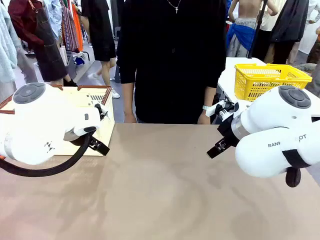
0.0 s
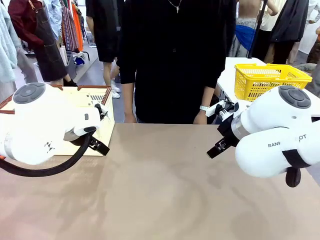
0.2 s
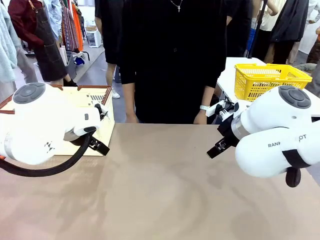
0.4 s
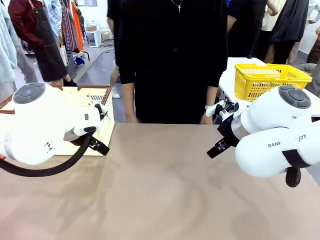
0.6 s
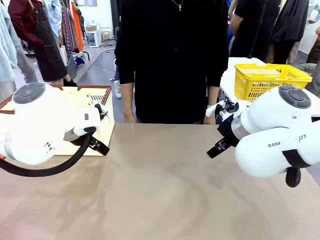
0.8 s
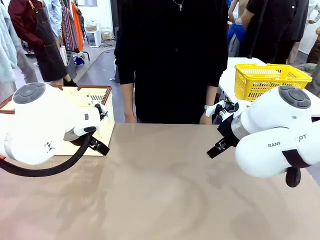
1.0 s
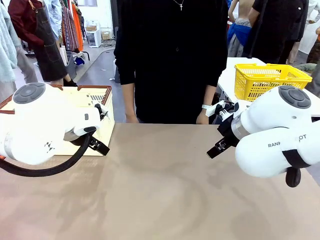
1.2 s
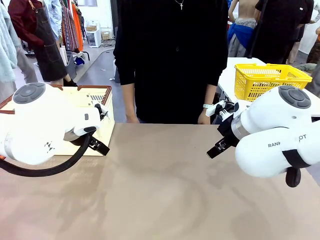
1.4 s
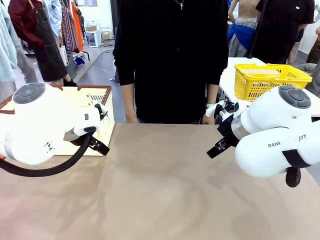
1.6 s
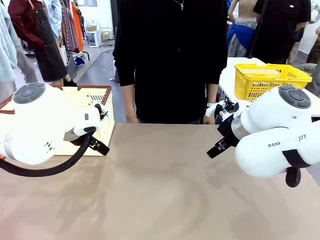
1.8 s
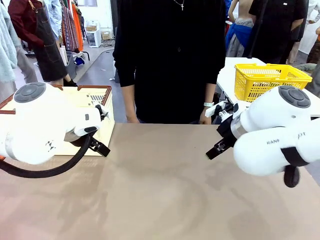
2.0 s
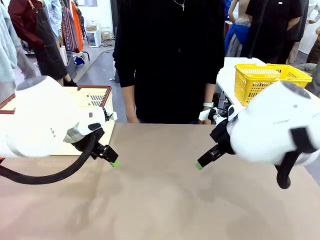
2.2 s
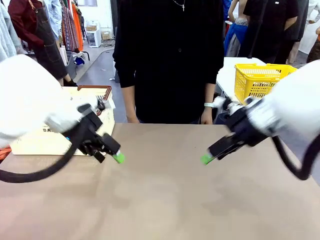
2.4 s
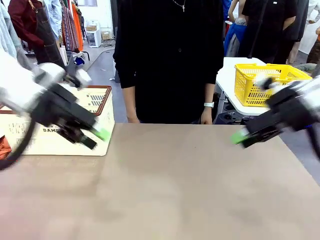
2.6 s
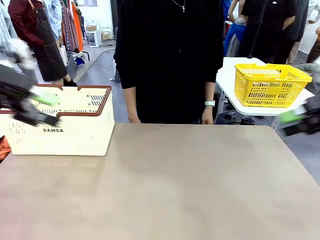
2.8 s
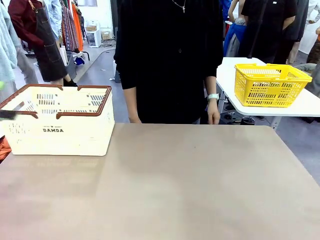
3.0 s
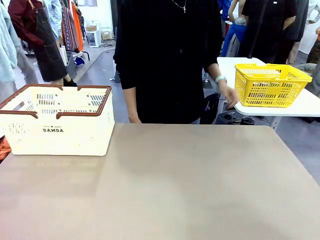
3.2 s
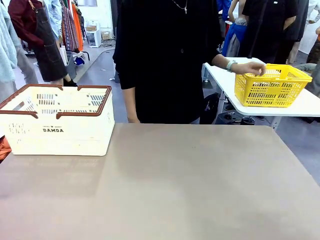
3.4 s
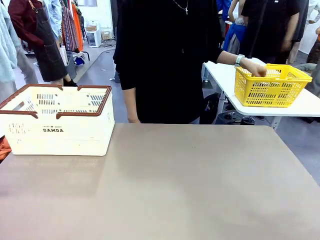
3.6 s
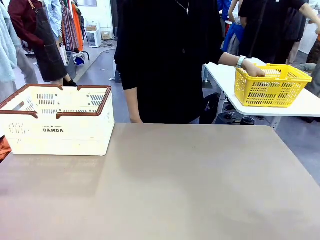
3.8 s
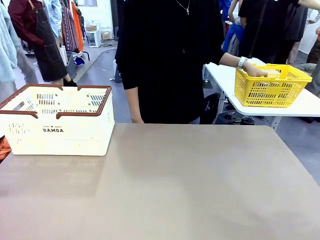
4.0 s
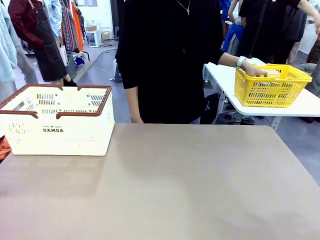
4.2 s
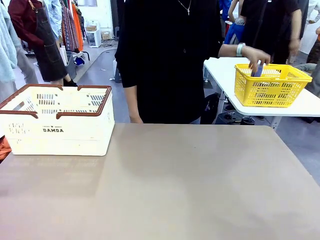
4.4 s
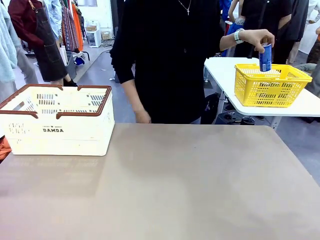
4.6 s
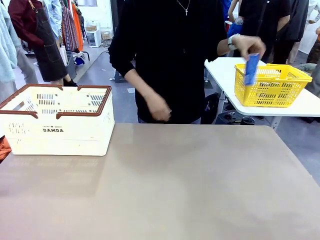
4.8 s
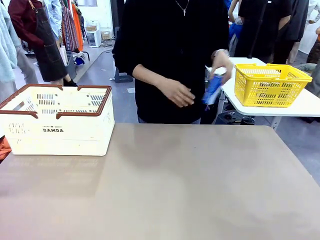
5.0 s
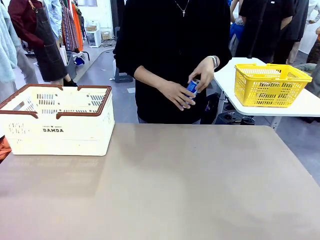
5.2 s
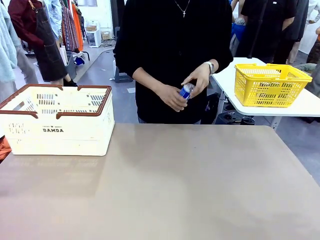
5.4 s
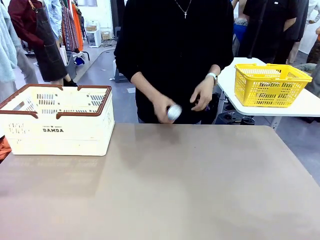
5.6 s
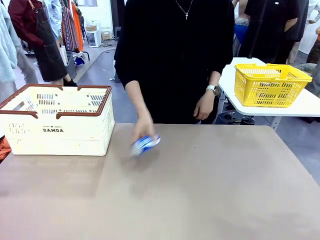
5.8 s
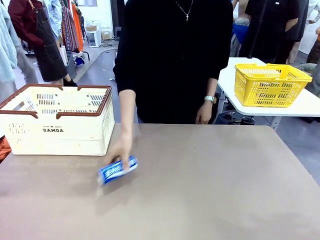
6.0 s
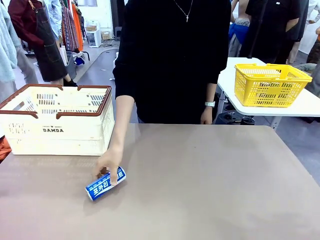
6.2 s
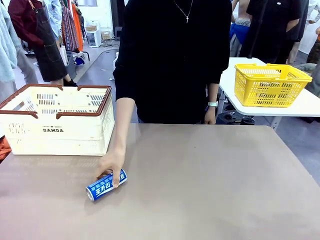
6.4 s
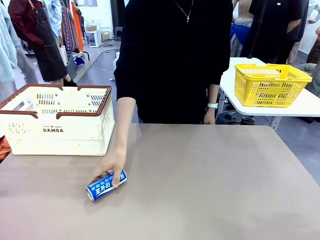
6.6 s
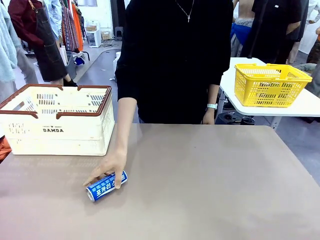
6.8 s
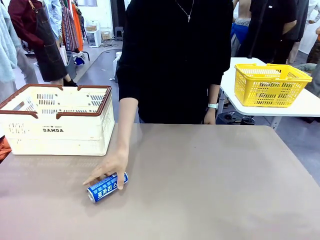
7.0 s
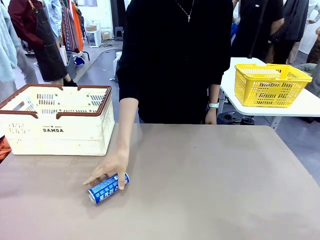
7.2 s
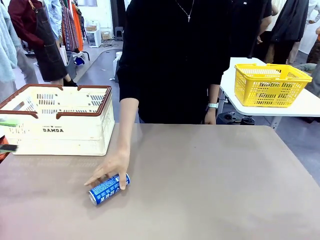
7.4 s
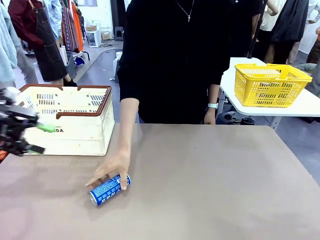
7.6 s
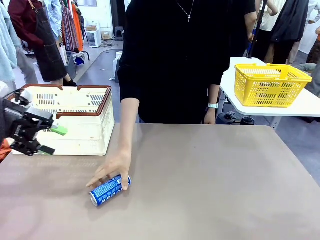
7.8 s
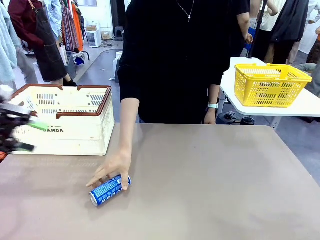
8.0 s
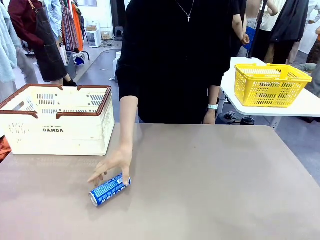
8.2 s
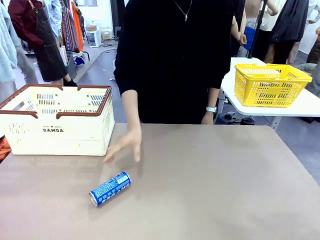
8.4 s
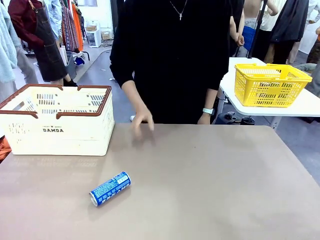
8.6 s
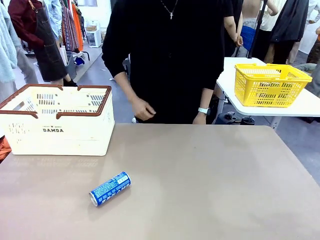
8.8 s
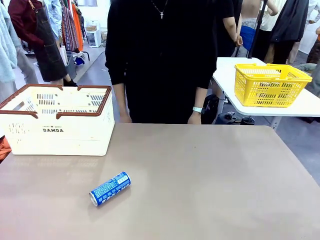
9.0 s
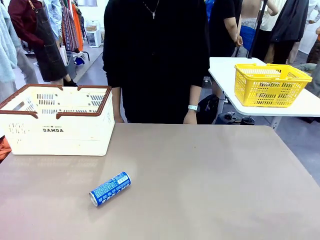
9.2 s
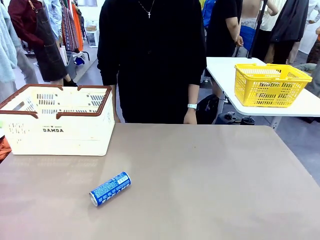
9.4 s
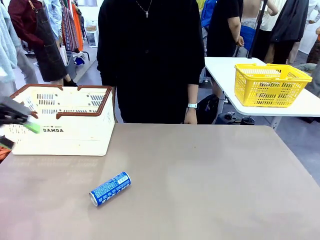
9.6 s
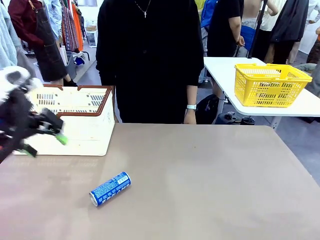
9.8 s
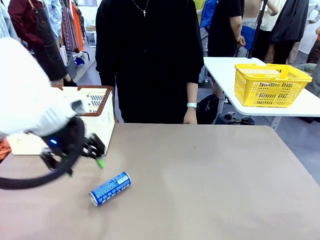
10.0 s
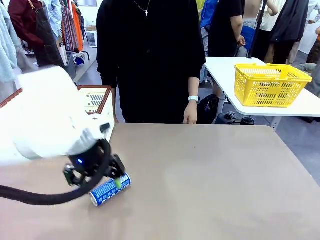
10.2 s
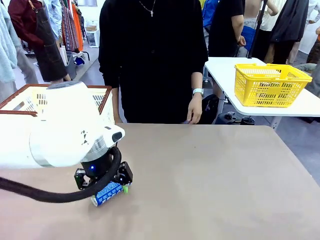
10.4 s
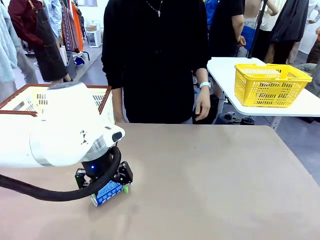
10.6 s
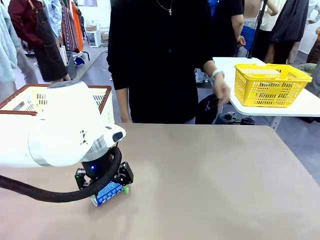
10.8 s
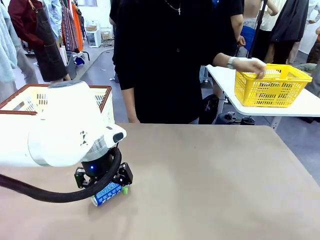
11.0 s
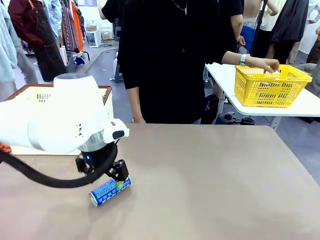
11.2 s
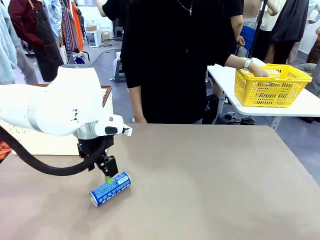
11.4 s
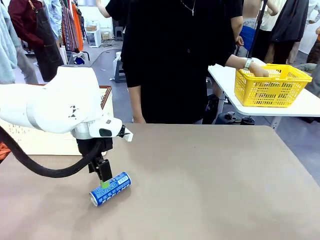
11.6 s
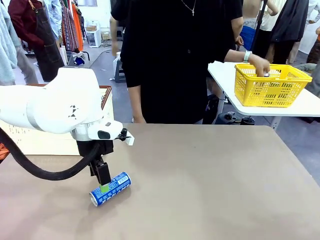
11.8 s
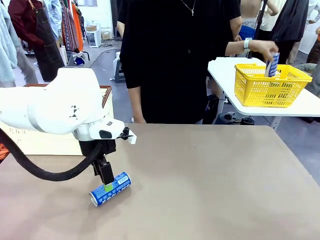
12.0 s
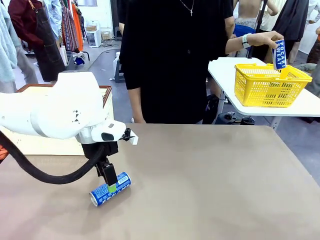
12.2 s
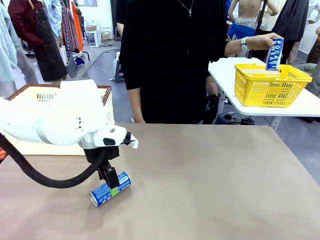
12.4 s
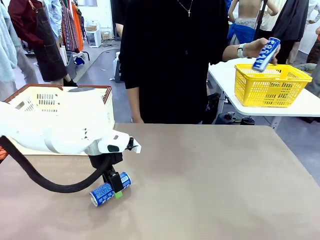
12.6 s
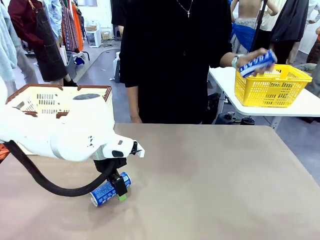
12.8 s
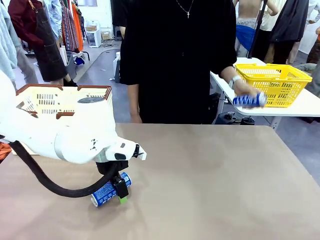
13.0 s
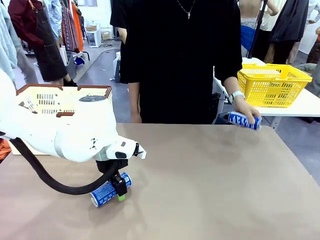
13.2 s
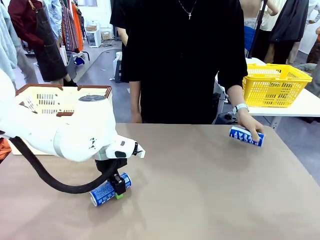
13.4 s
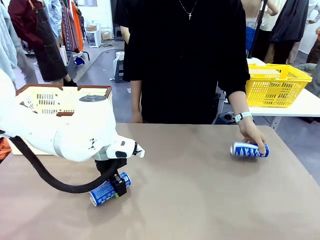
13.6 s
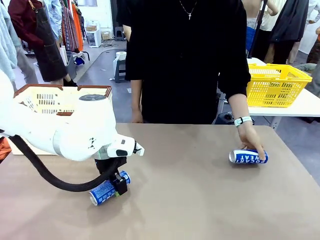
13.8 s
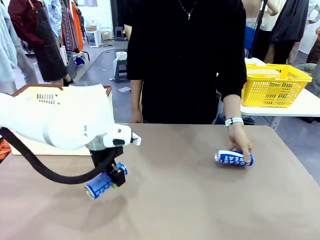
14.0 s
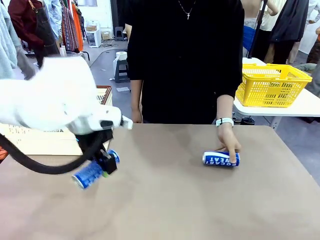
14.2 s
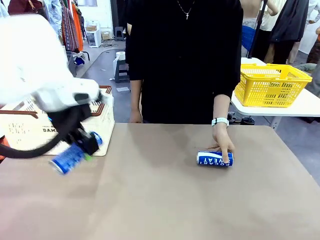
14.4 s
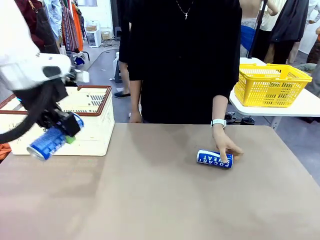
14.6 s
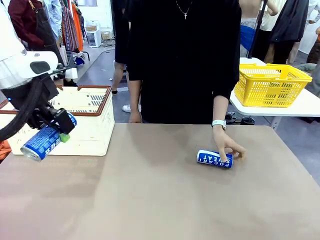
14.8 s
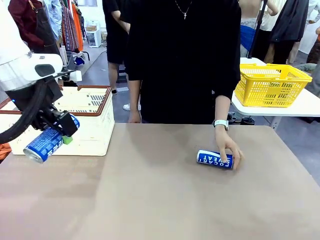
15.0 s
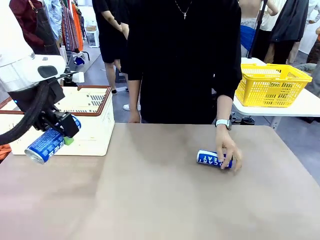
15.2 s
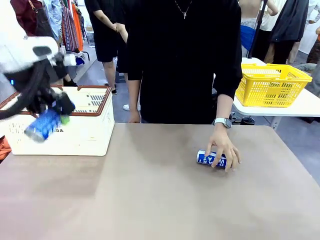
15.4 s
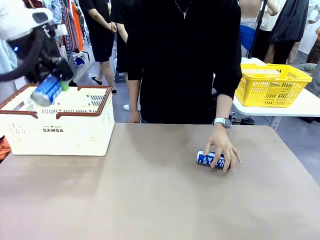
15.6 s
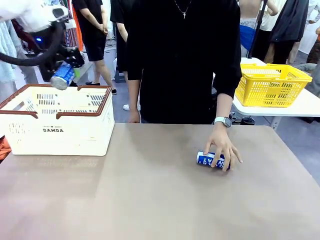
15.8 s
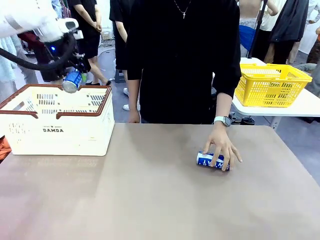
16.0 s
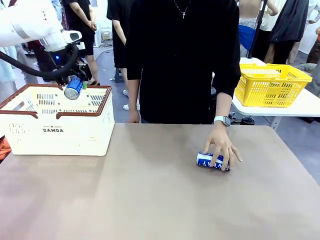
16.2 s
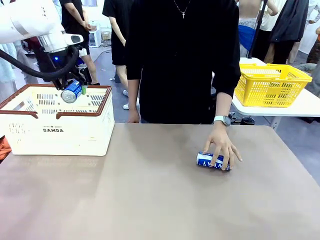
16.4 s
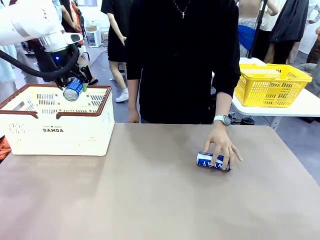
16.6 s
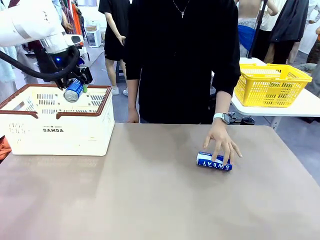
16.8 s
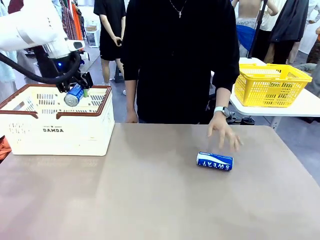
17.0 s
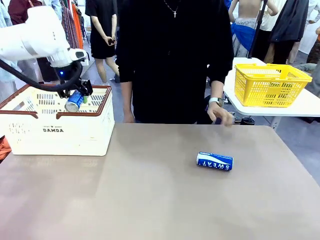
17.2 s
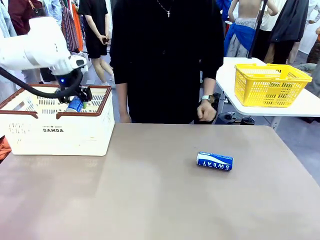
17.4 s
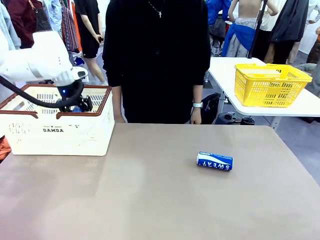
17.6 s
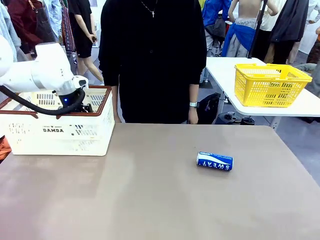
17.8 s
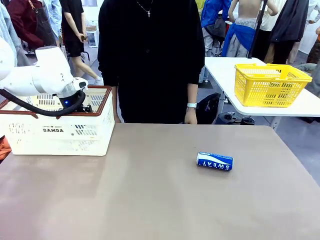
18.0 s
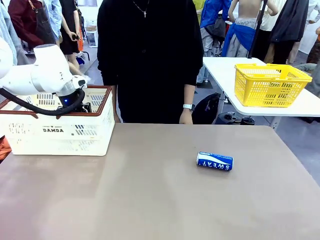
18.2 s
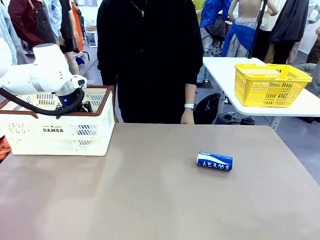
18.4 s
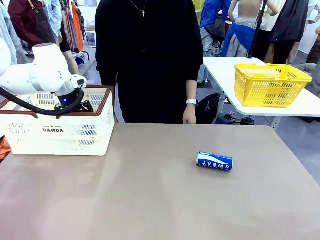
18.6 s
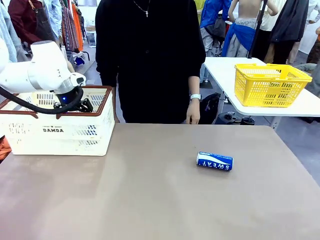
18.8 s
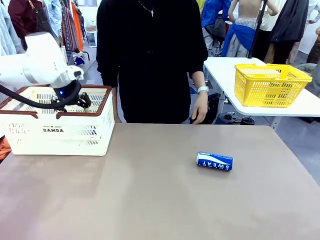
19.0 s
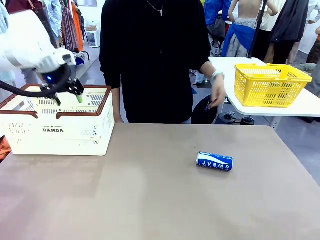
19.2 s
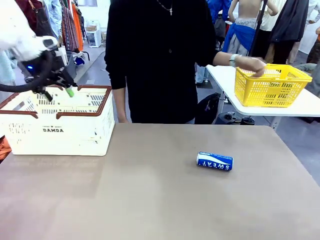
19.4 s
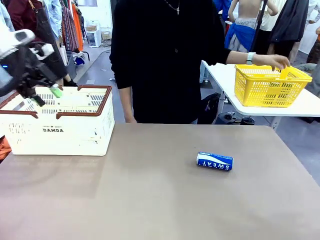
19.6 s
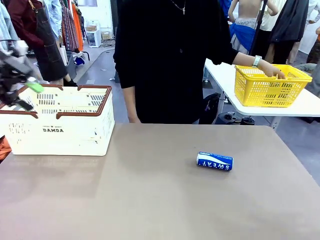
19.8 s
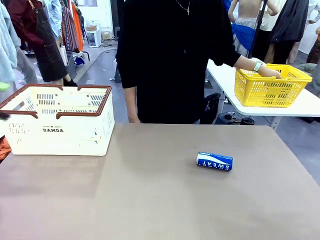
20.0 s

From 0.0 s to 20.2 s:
Task: Place the drinks into the Shopping basket.
Robot: Pick up one drink and place it into the Shopping basket.
